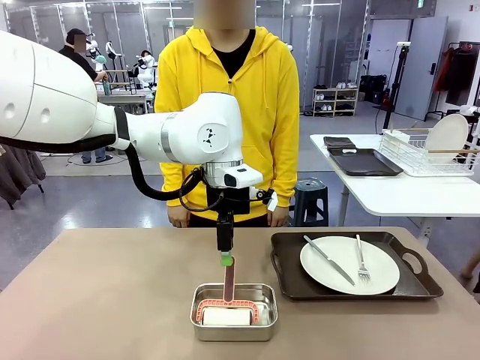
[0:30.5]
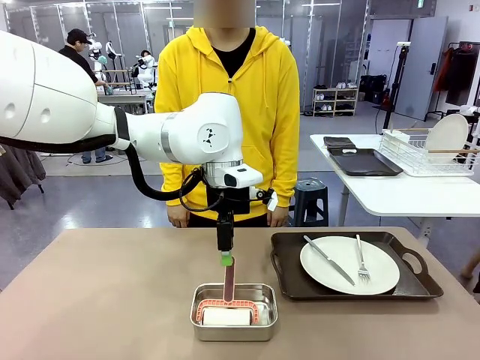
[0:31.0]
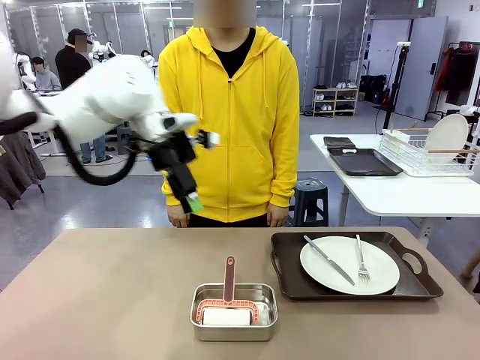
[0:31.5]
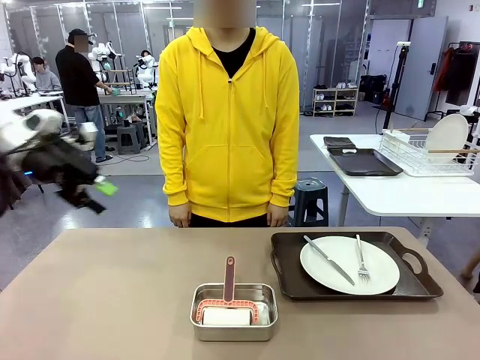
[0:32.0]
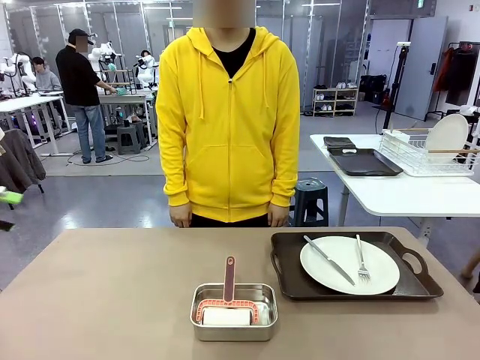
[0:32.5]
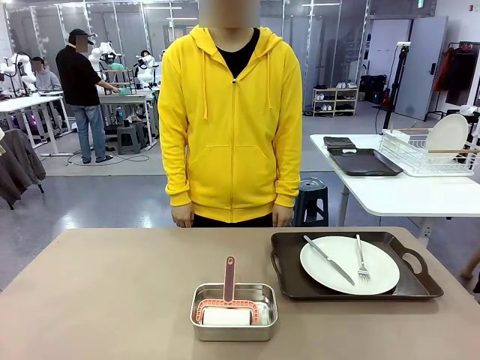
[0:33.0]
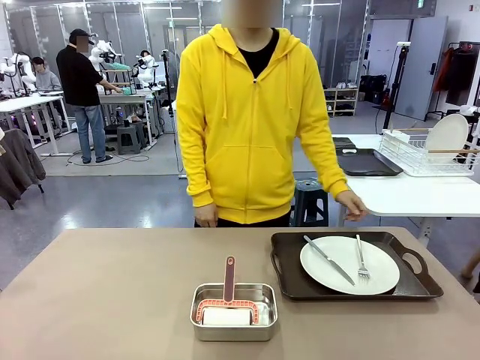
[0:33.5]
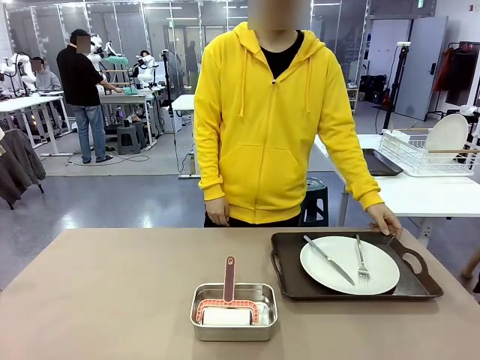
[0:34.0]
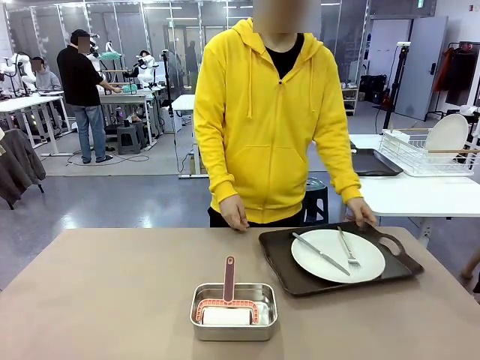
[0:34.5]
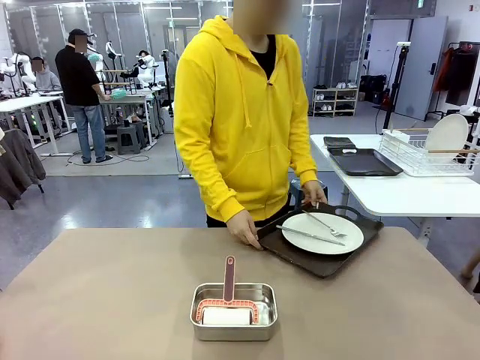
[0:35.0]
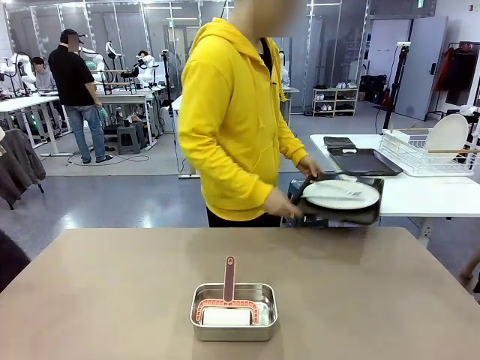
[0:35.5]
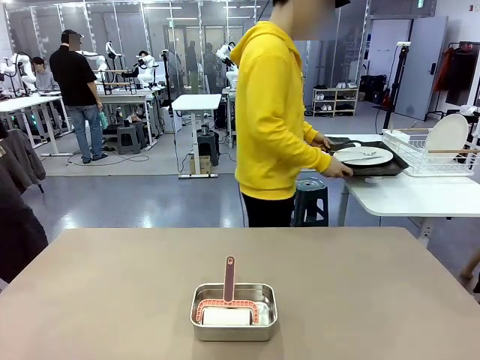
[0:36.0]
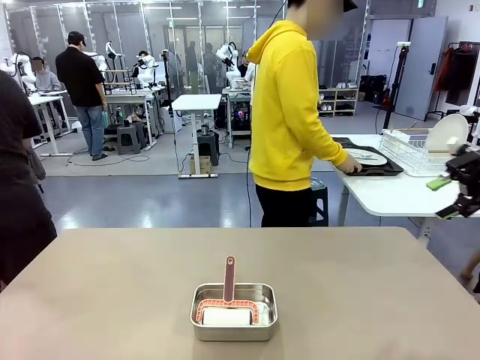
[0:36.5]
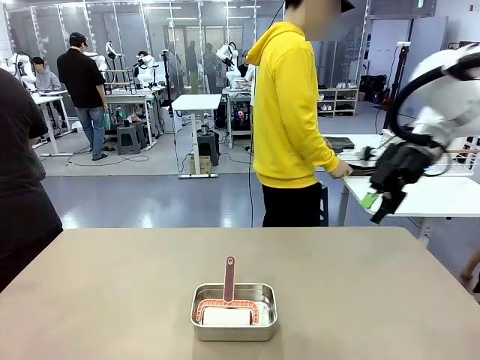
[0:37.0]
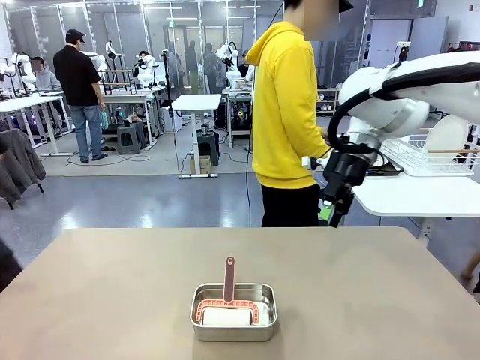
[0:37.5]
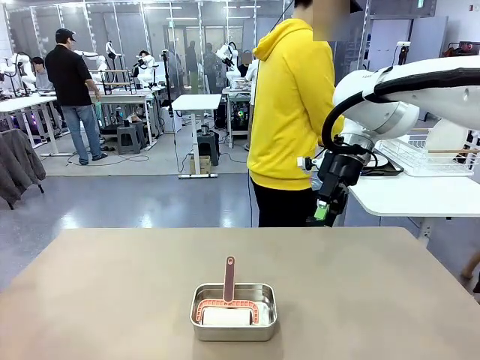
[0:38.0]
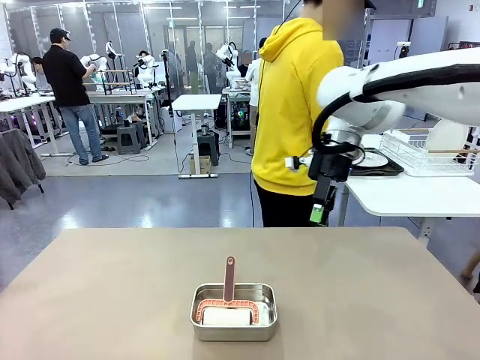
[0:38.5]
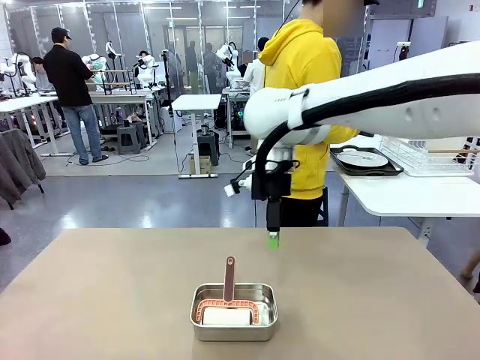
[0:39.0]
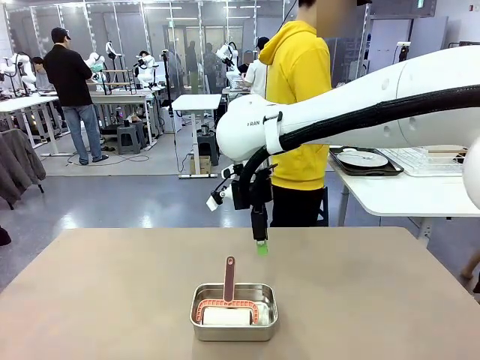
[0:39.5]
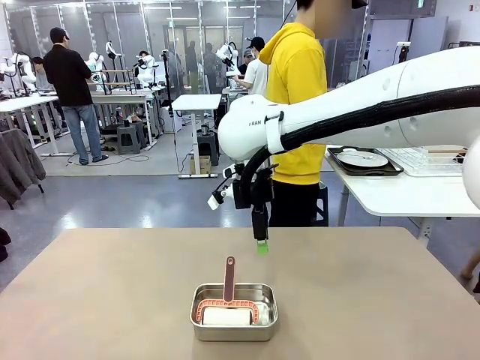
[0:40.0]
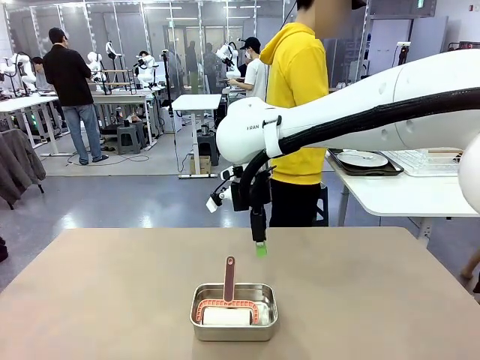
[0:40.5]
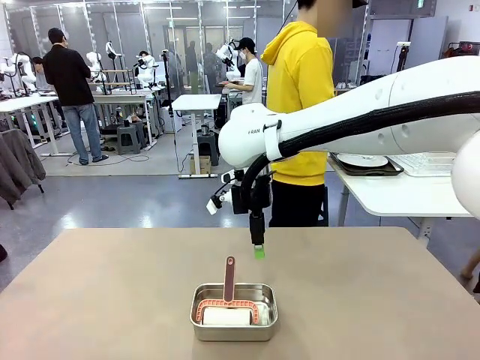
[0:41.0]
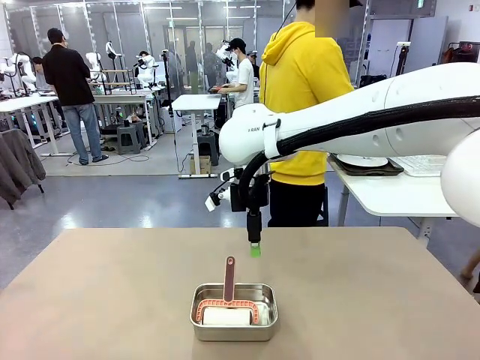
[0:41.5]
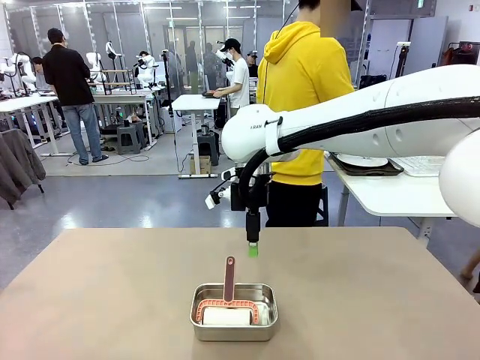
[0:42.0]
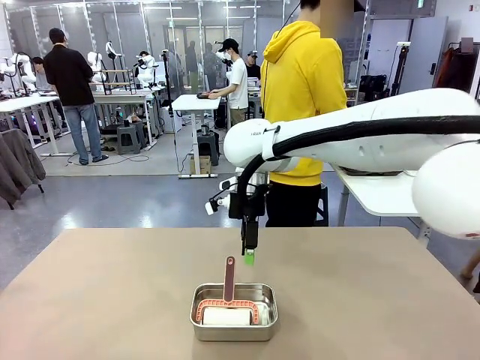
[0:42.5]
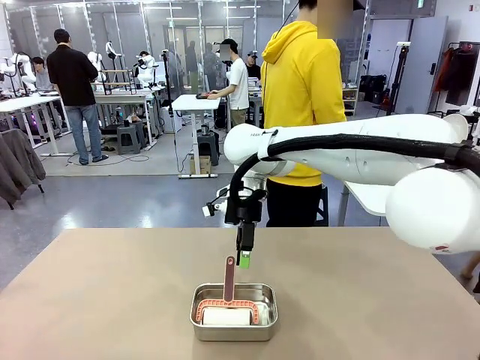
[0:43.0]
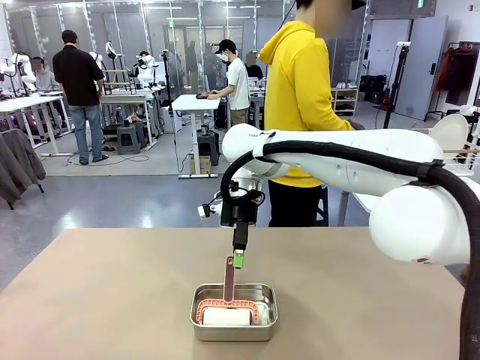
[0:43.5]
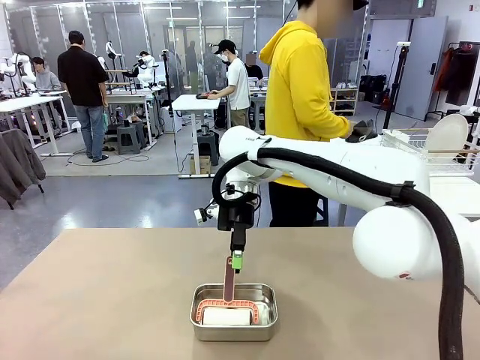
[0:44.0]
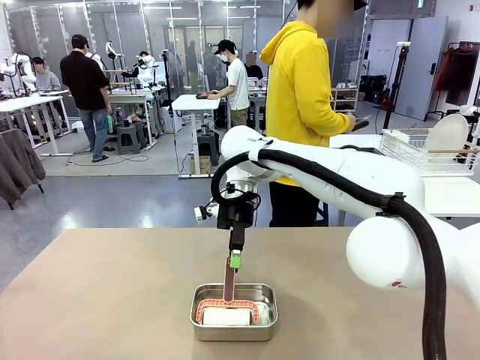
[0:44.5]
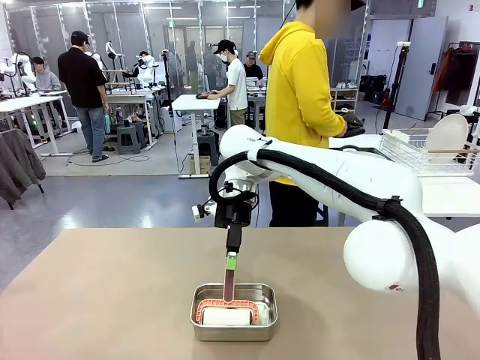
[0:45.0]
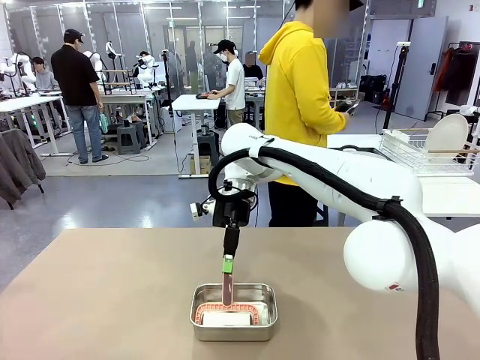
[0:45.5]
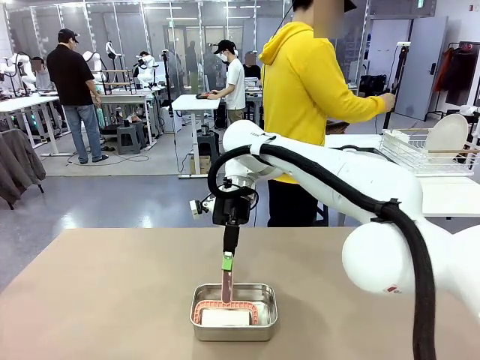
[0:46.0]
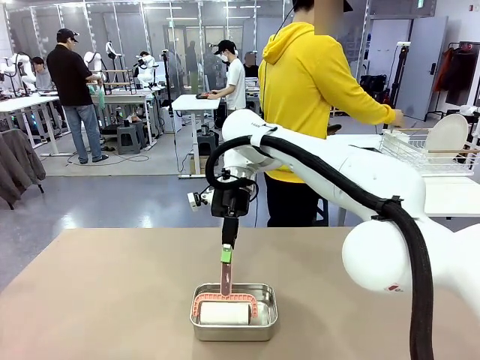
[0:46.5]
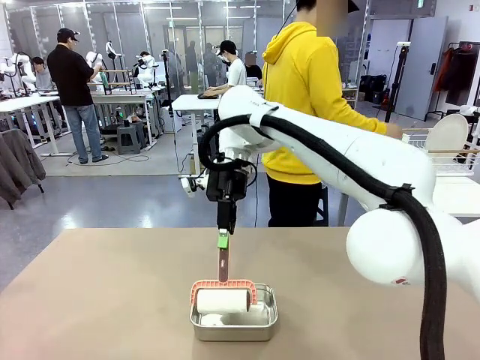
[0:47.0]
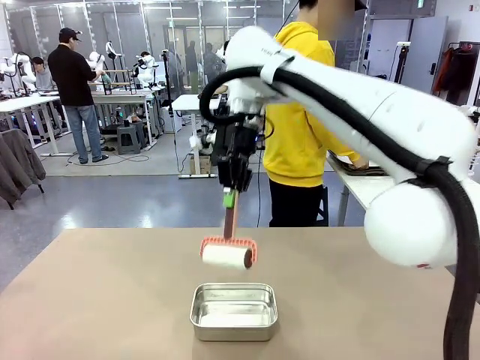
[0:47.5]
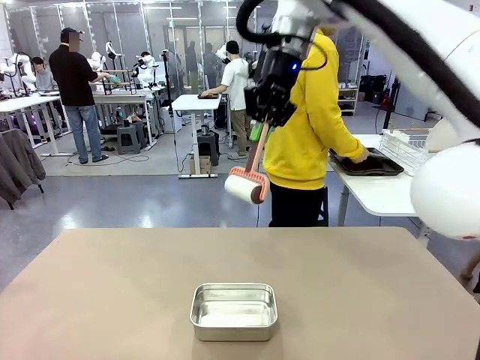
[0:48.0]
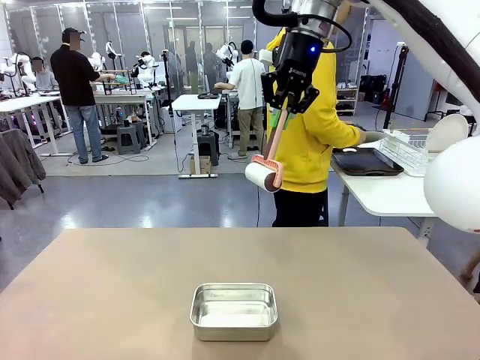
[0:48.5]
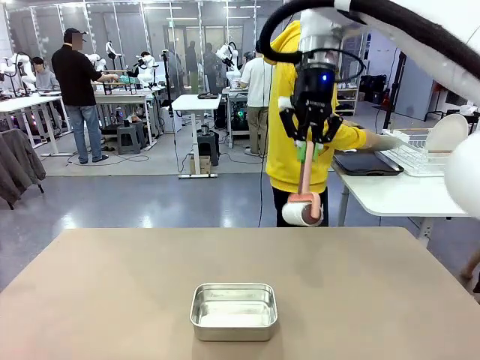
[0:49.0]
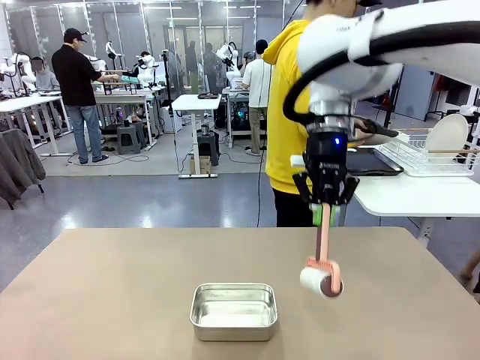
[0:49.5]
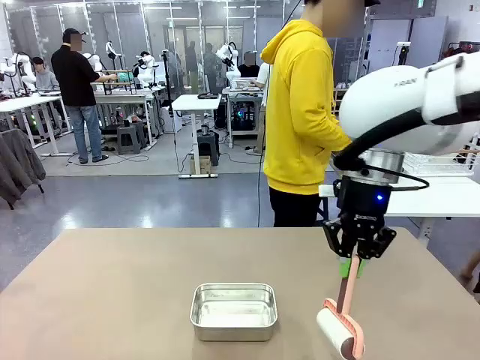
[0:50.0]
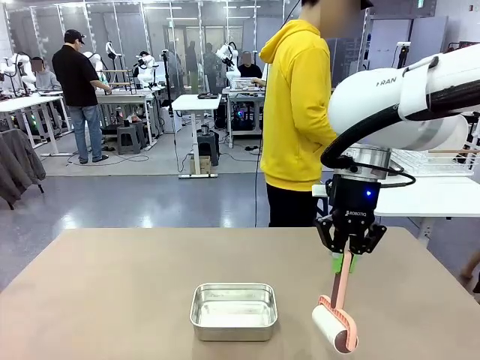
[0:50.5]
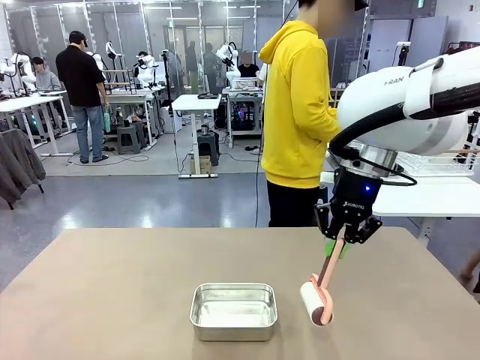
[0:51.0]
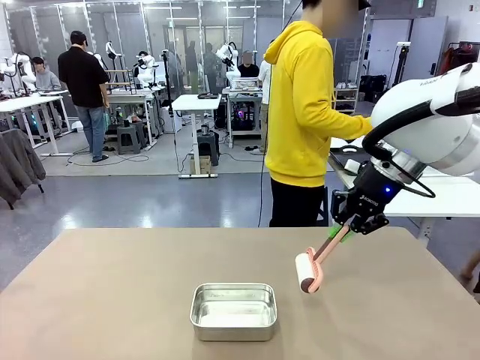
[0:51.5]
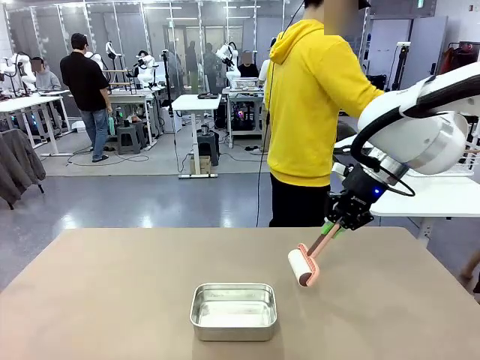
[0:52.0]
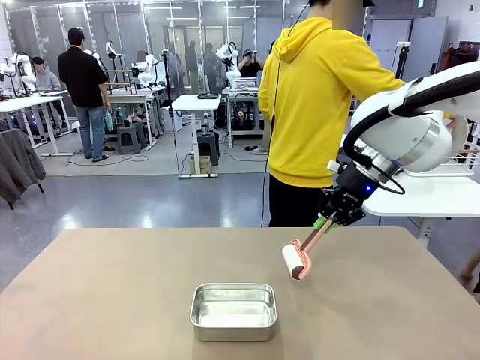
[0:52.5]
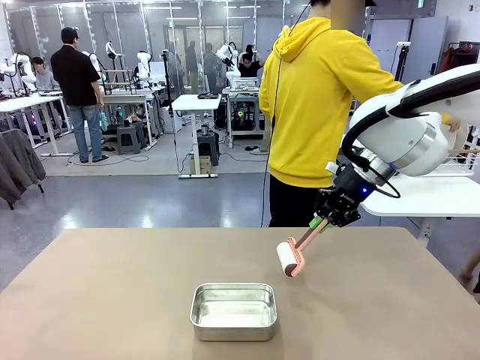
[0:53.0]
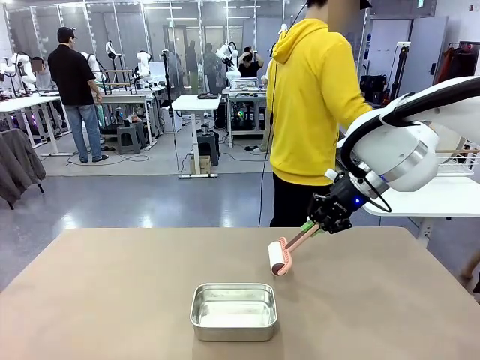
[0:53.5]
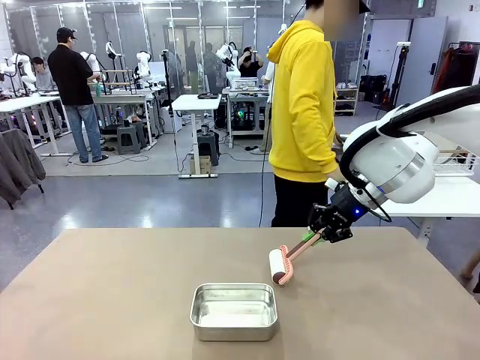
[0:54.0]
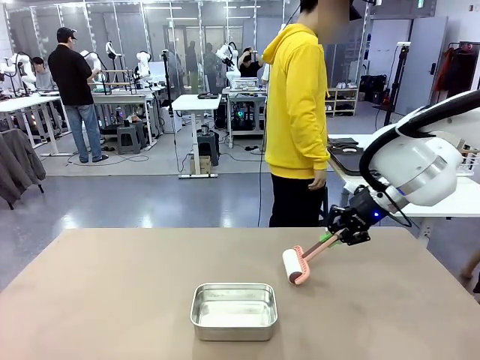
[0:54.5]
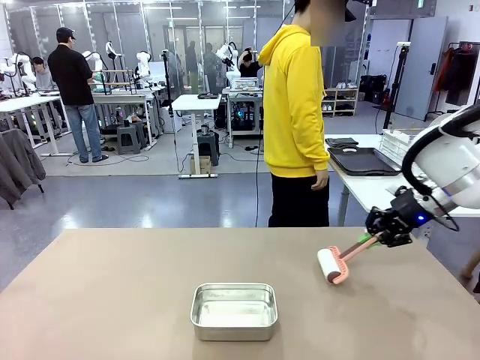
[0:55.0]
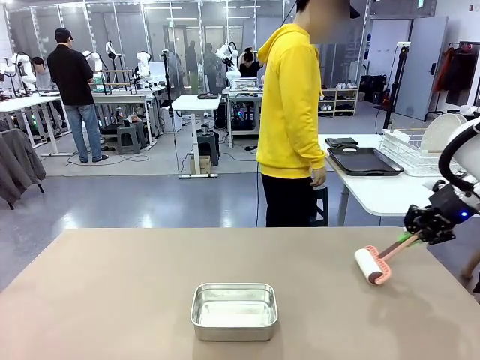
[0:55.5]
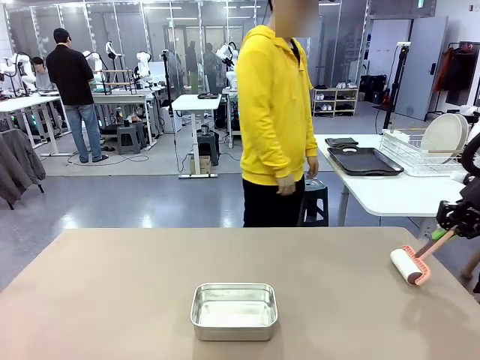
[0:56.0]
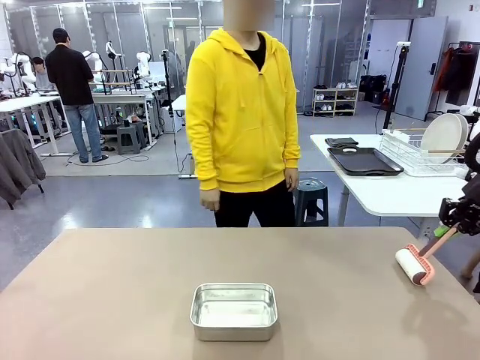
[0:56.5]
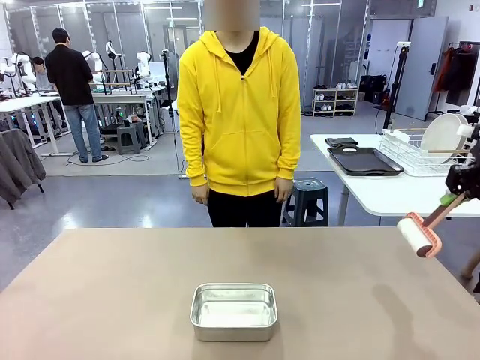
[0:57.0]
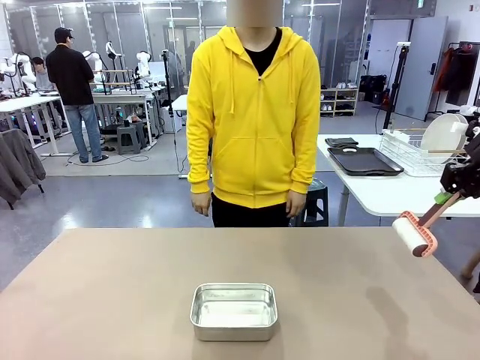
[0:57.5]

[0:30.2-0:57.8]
Robot: When the right (or left) Handle tray is removed, use the right hand (or left hand) to clean the right (or left) side of the table with the Lint Roller.
Person: Pick up the left (or right) Handle tray and place it on the Handle tray. Use the Towel with hook to wipe the Plastic Matte Plate , Fork , and Knife and place into the Dish drying rack.
